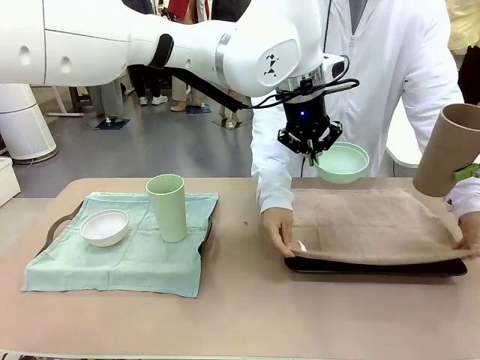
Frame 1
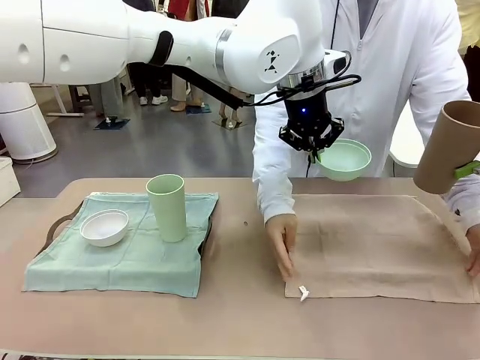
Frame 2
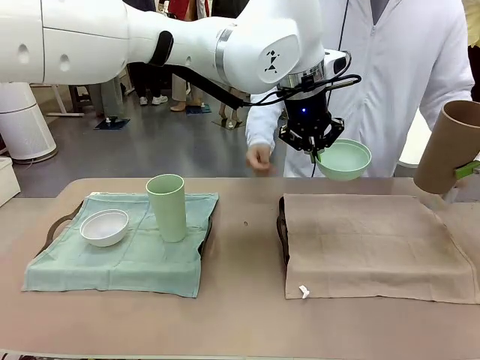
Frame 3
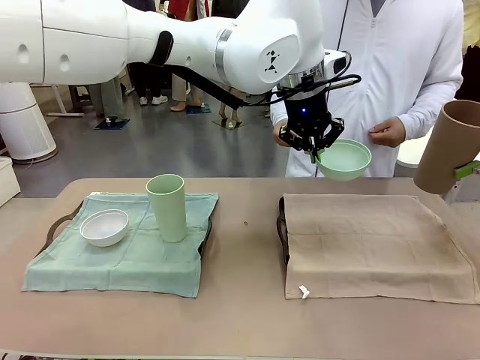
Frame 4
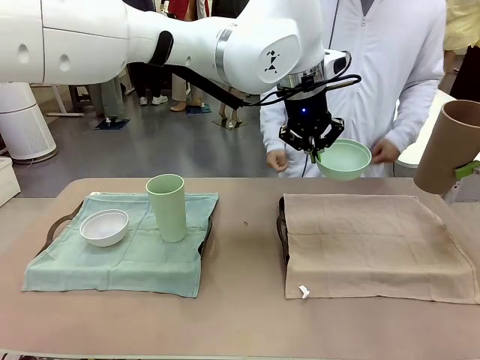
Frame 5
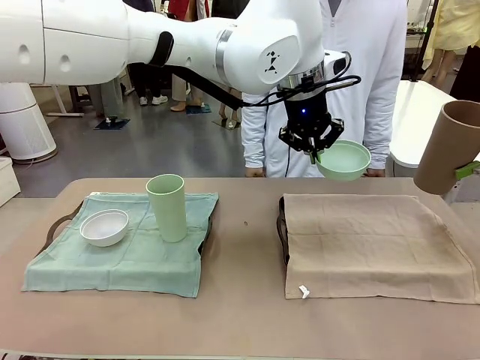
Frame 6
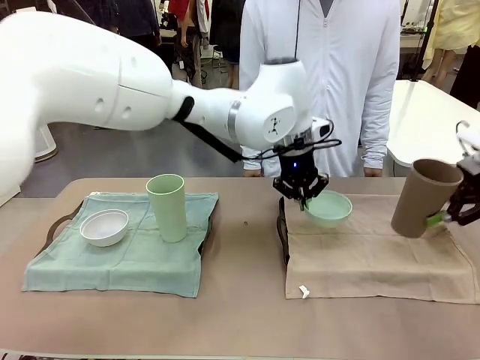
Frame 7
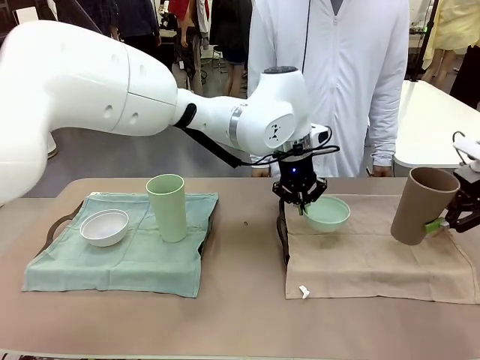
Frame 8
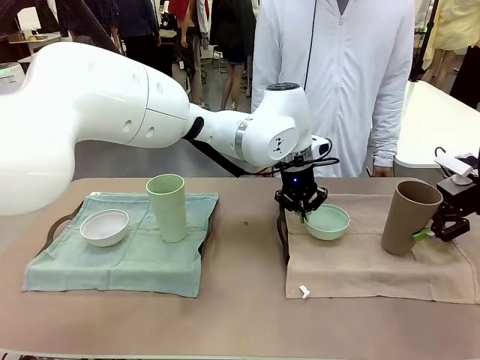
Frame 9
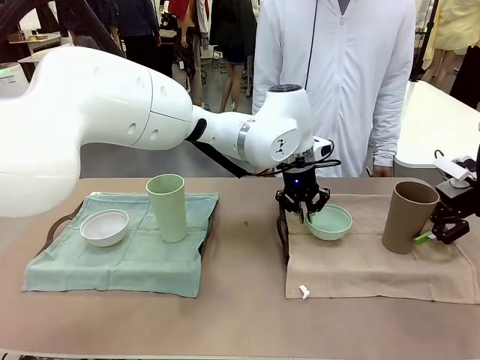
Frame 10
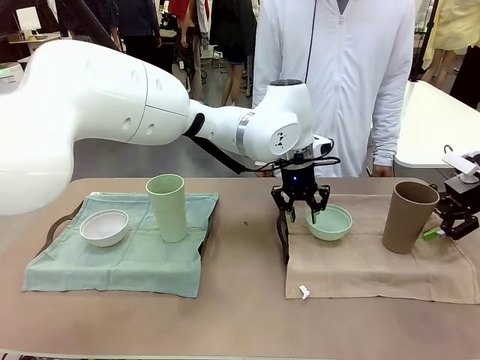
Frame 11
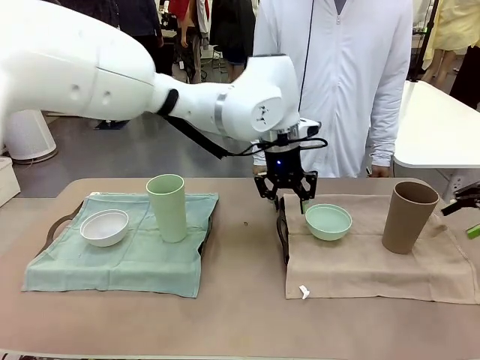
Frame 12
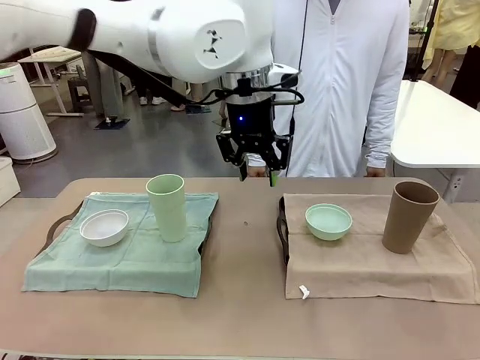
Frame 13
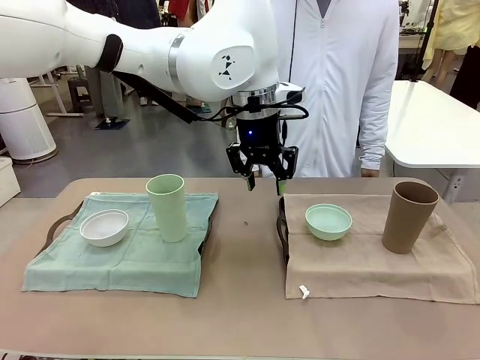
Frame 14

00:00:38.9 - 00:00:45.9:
Robot: Place the Picnic Bowl and Reusable plastic cup back onto the Handle tray in front of the human's position.
